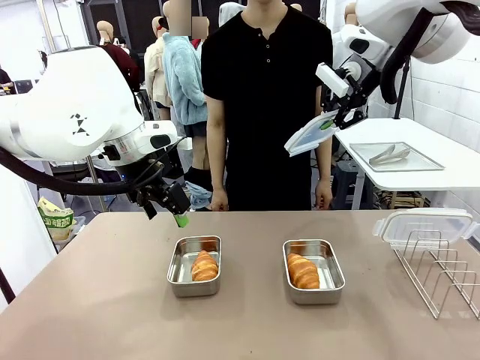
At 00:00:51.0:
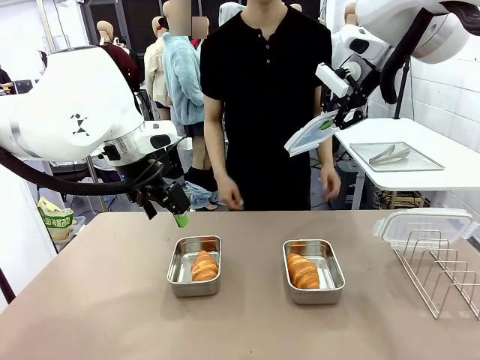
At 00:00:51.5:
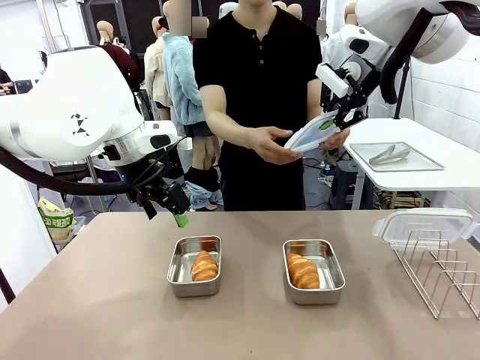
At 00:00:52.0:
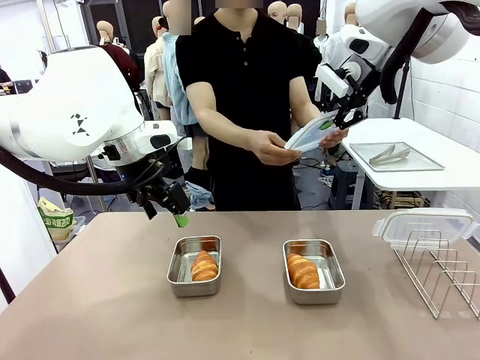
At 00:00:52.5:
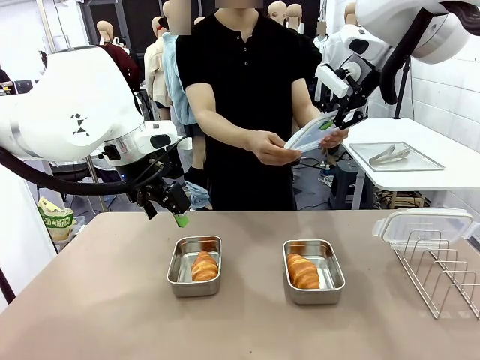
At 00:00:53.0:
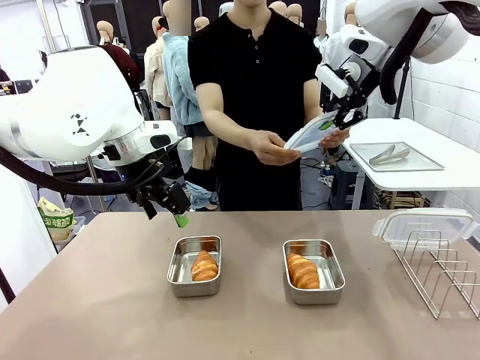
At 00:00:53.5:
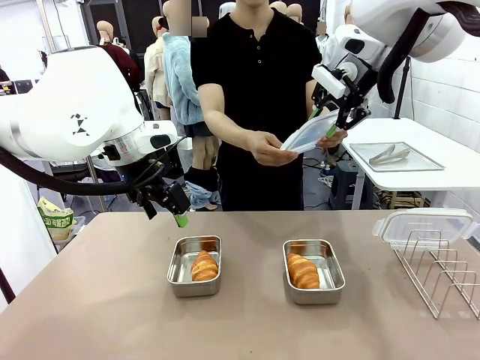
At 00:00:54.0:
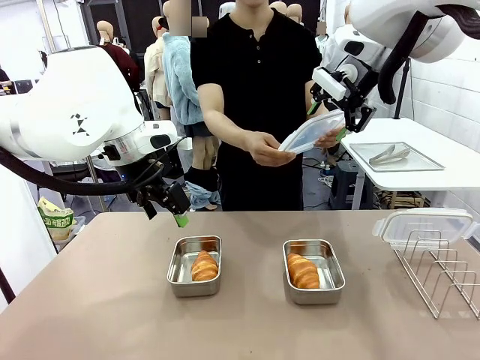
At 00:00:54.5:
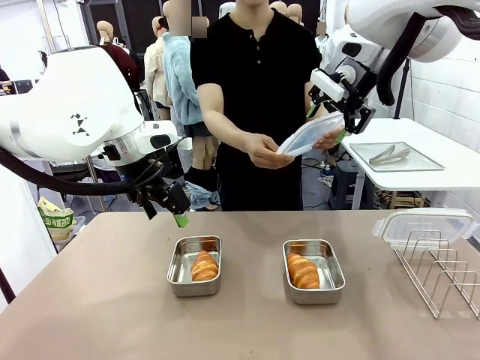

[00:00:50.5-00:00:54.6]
Task: Place the bread in airtight containers.
Robot: Release when the human grabs the Airtight Container lid.

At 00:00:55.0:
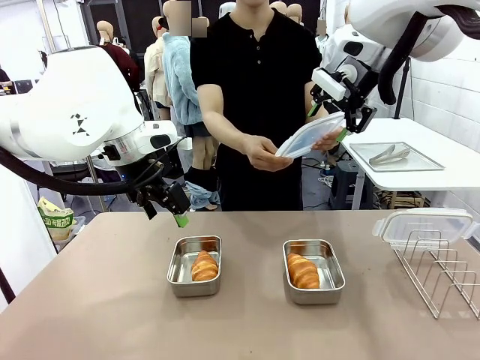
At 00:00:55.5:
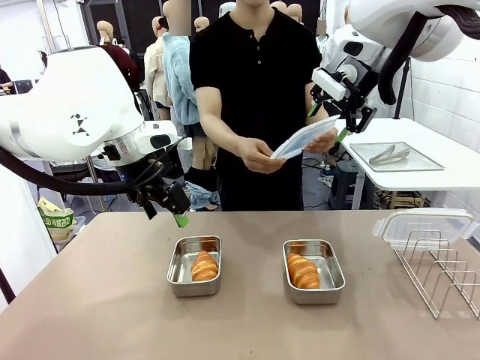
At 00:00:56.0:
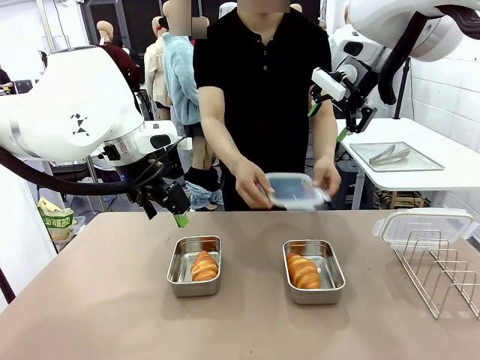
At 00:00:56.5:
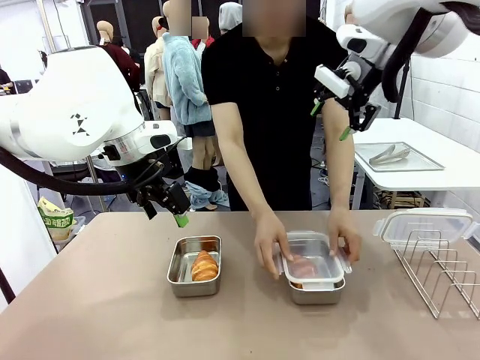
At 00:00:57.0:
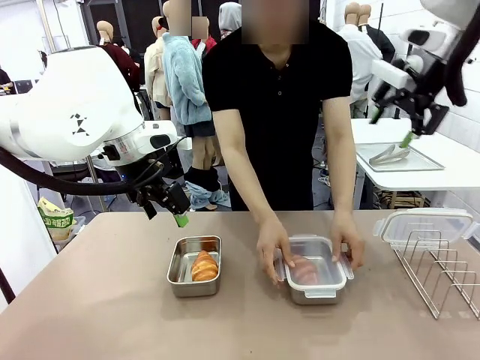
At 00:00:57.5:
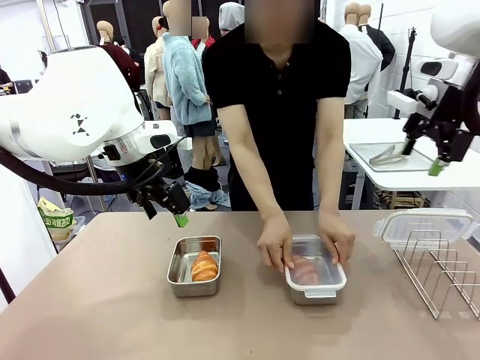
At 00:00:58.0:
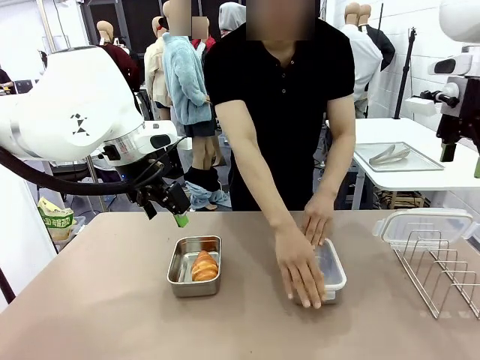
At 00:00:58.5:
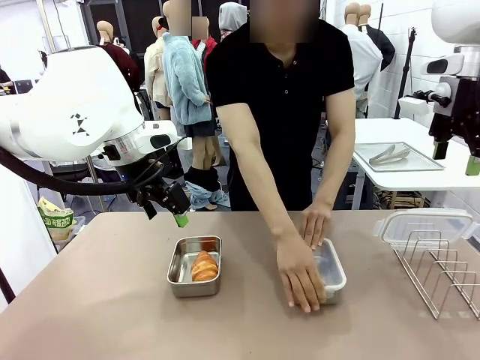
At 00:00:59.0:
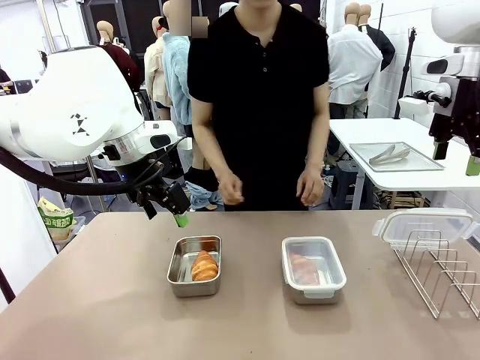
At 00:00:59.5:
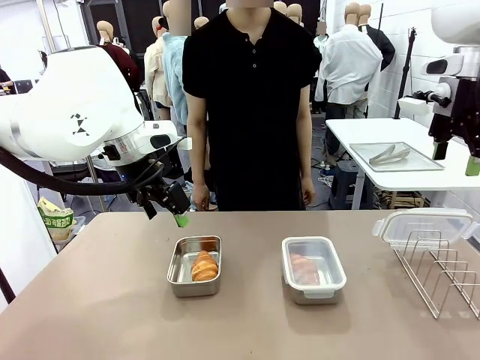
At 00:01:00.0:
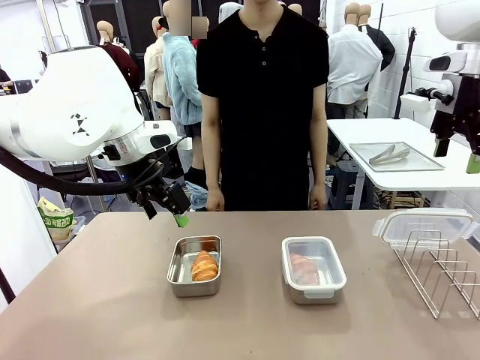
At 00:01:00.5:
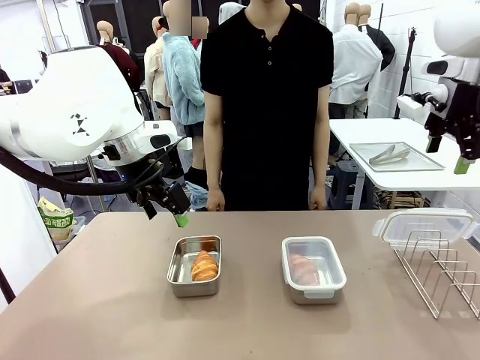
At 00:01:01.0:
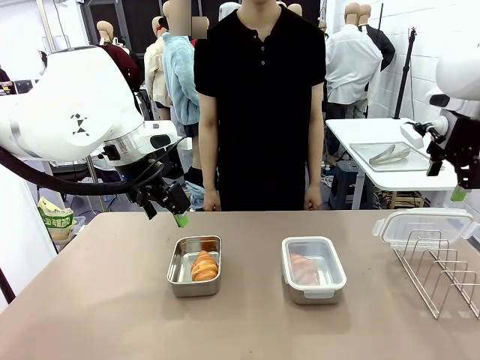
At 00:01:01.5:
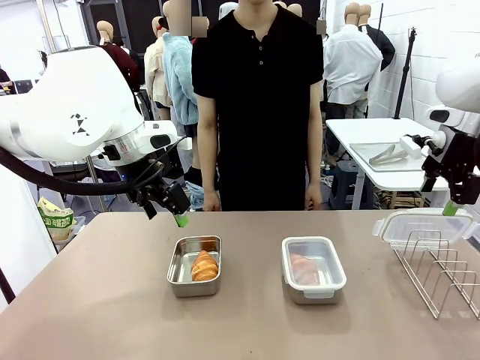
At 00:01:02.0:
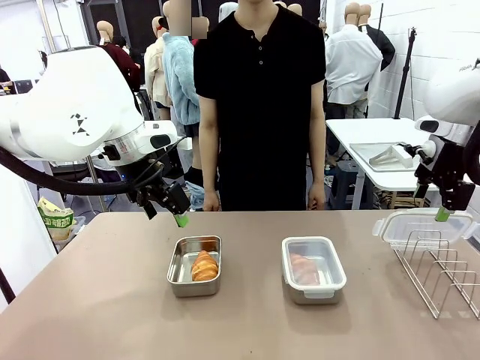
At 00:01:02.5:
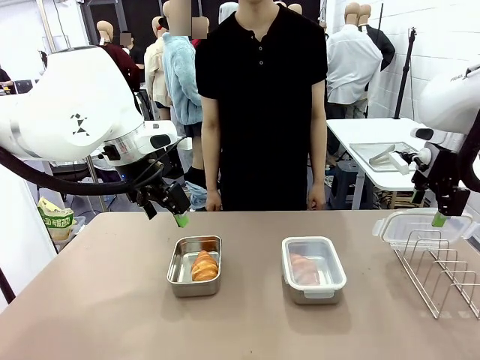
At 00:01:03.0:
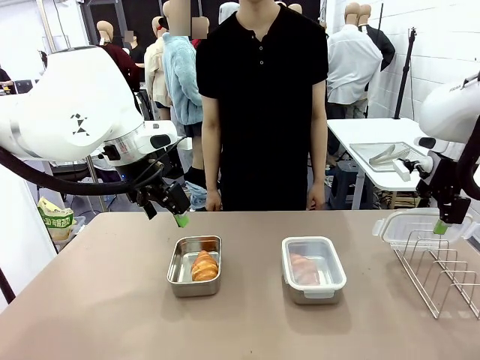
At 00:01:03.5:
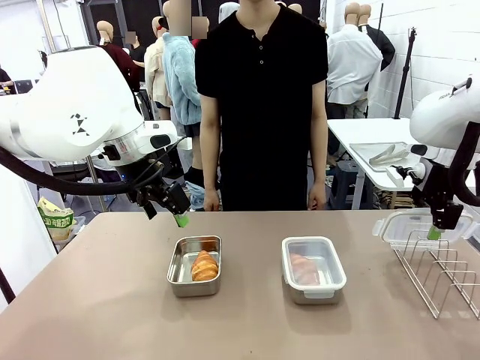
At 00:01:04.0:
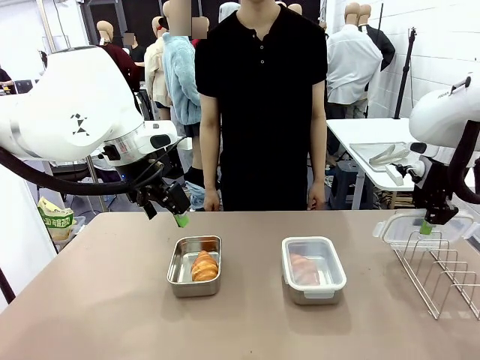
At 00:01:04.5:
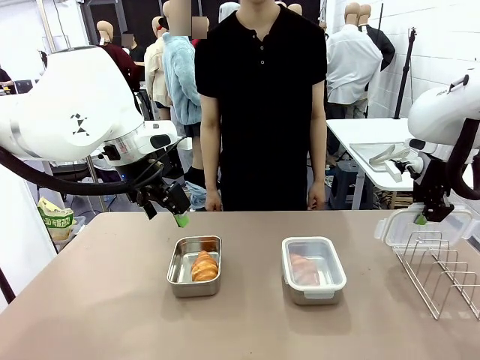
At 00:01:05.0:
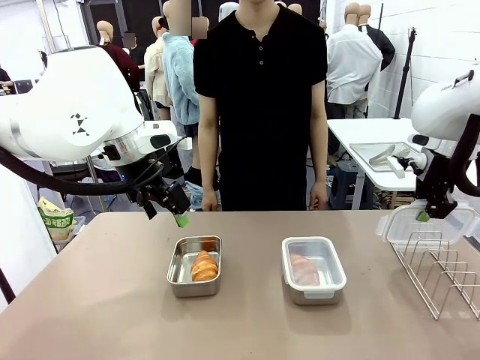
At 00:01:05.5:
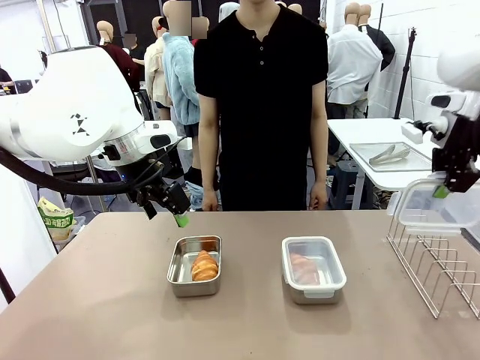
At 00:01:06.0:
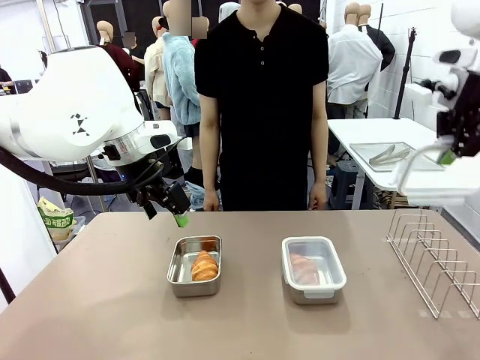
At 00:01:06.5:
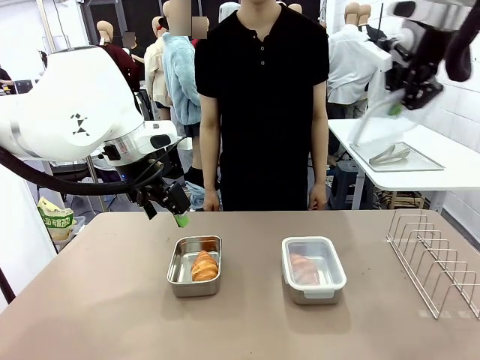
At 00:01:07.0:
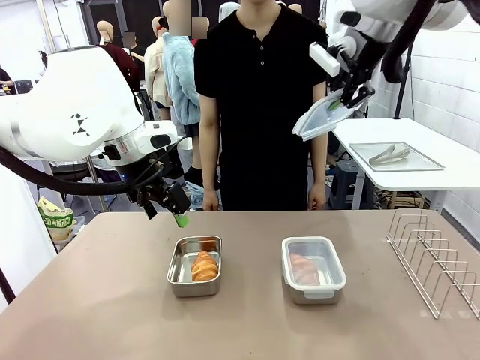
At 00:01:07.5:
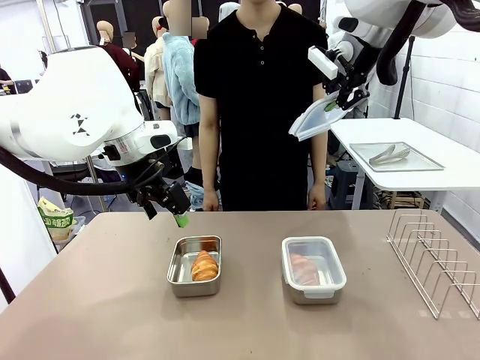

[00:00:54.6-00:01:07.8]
Robot: Pick up one Airtight Container lid and hand it to the human.
Person: Close Airtight Container with a handed Airtight Container lid. Grip Airtight Container lid that robot is handing.

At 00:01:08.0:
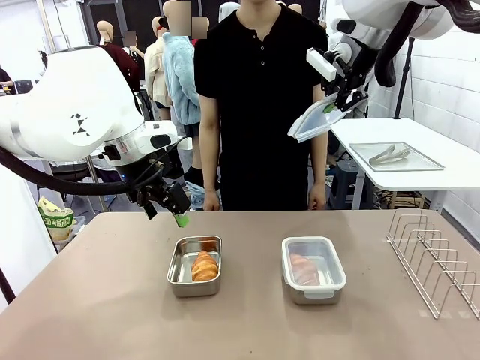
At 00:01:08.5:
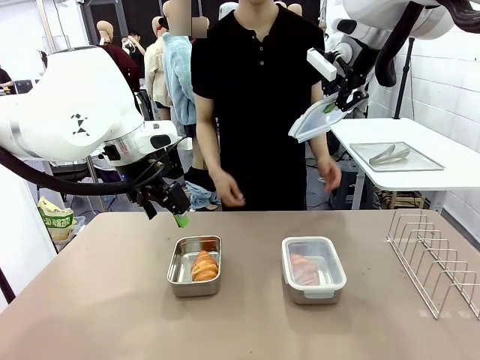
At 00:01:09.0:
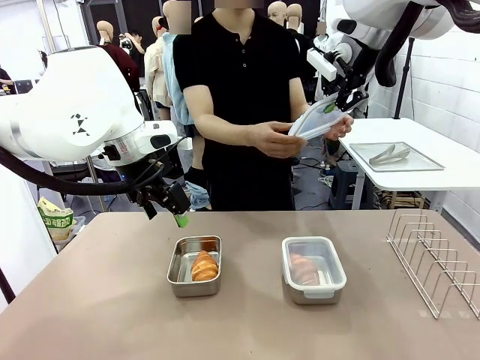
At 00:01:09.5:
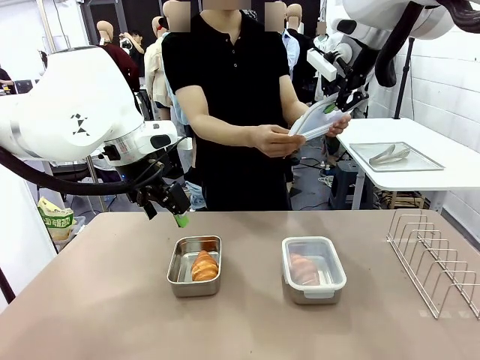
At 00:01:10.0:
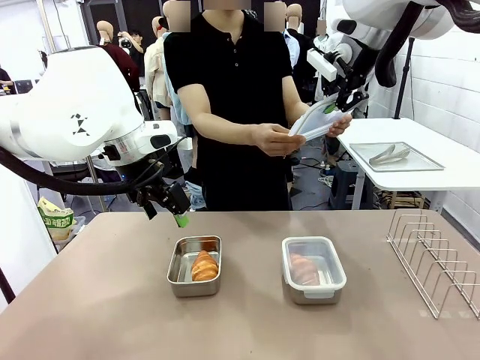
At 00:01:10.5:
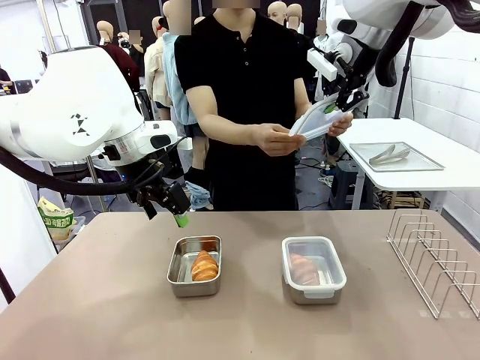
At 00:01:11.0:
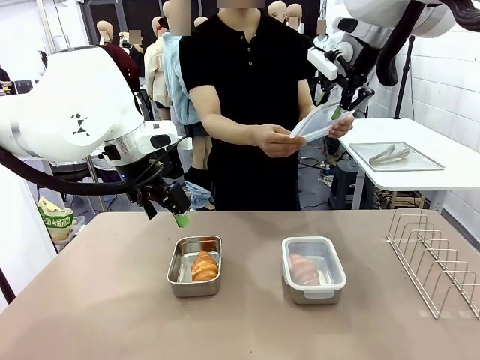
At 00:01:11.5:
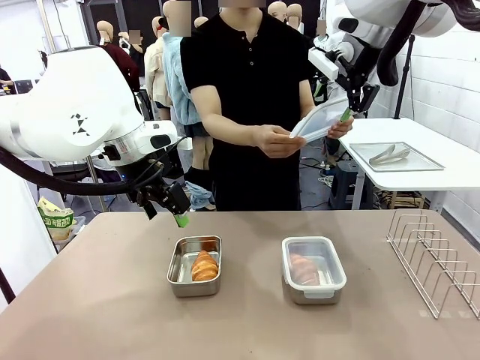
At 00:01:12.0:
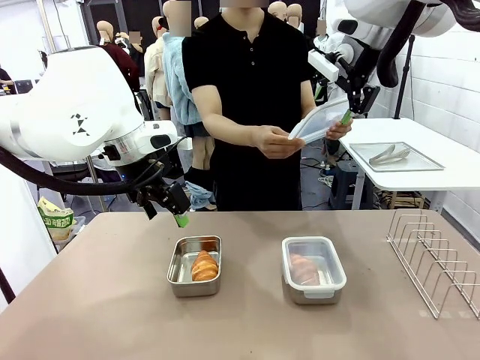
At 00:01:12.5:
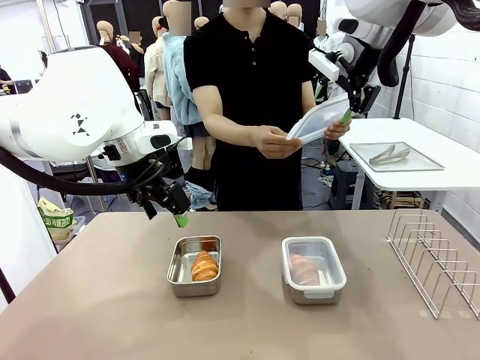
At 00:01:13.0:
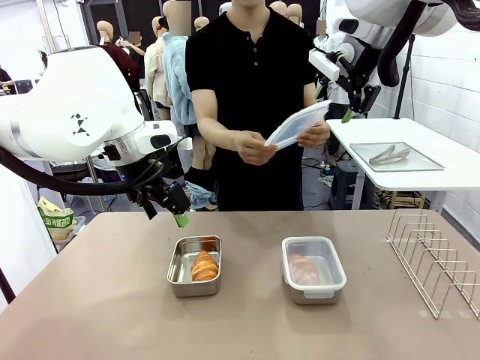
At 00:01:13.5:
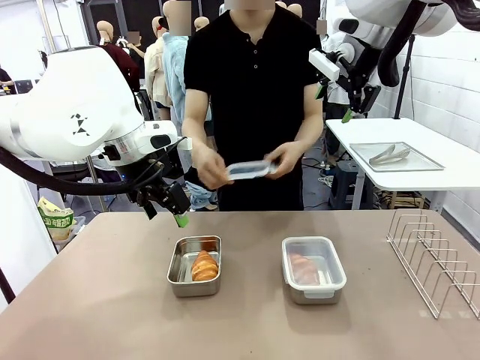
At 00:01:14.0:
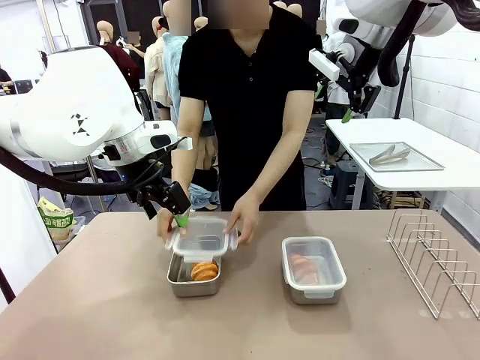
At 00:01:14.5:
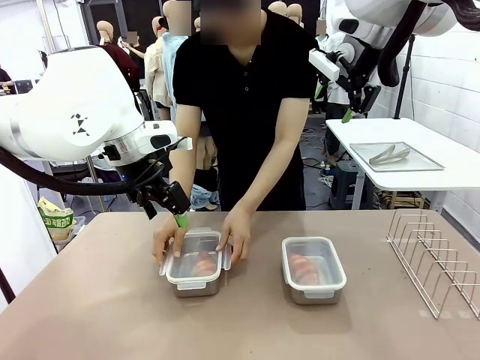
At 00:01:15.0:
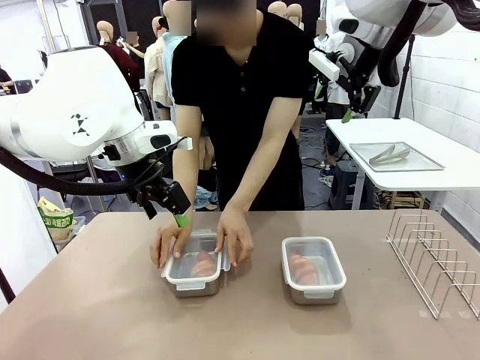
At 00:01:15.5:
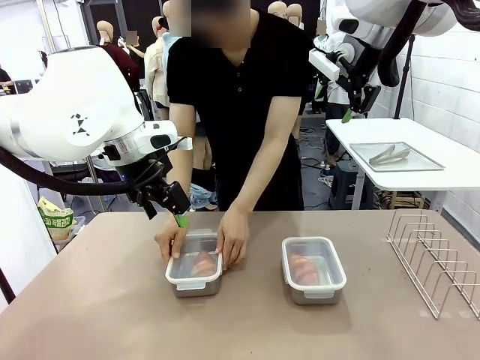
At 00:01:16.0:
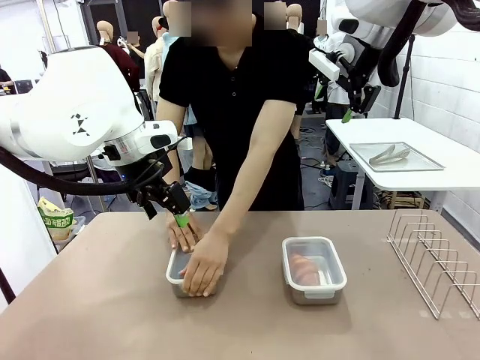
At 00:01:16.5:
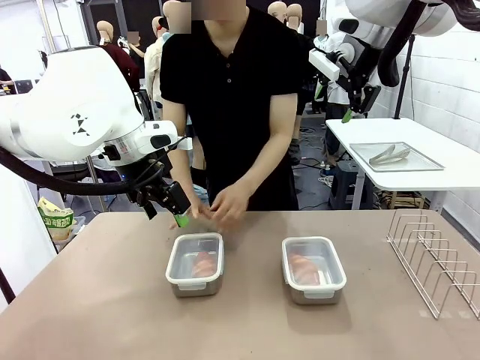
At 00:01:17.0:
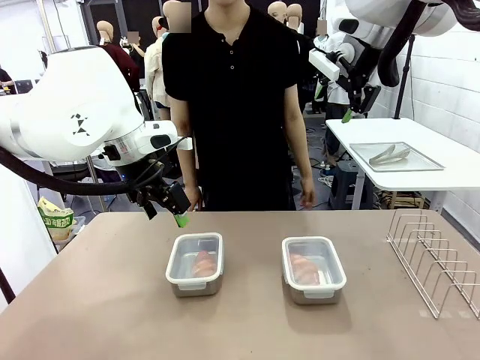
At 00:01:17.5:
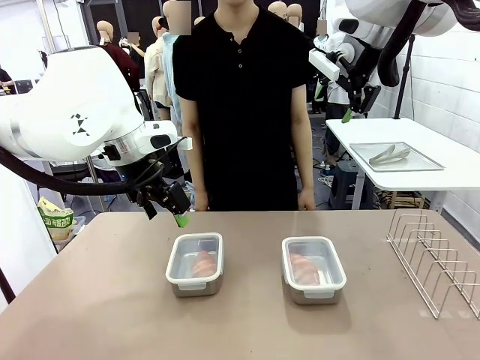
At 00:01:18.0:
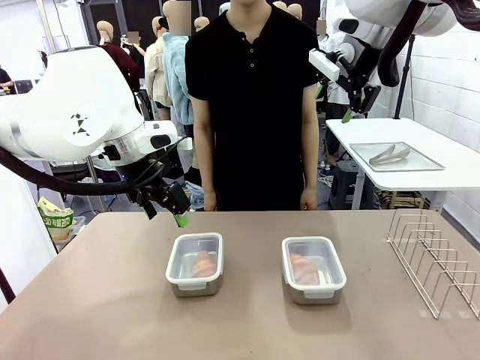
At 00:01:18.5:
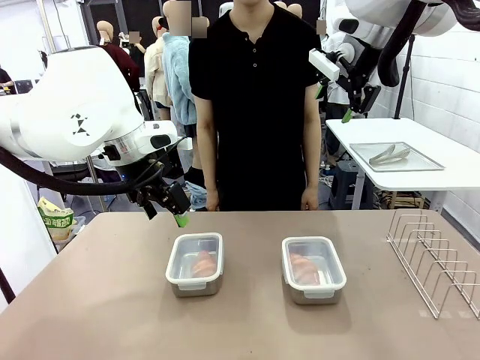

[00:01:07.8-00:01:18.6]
Robot: Release when the human grabs the Airtight Container lid.
Person: Close Airtight Container with a handed Airtight Container lid.
